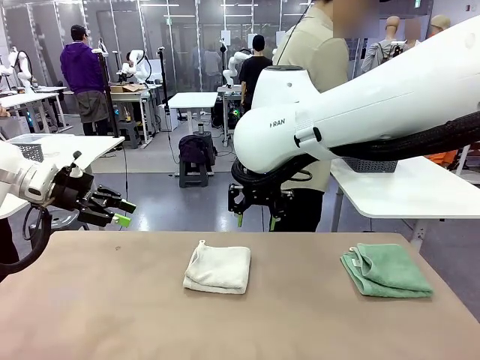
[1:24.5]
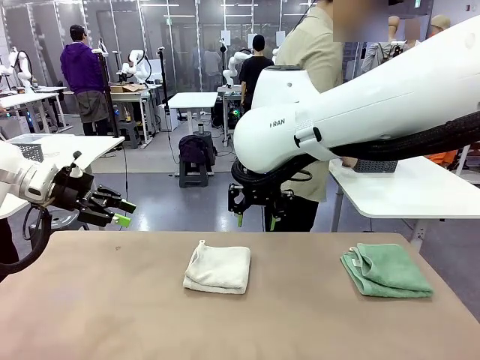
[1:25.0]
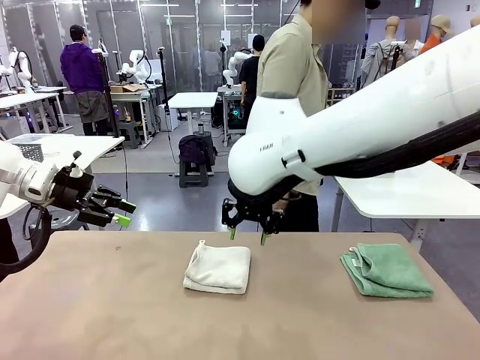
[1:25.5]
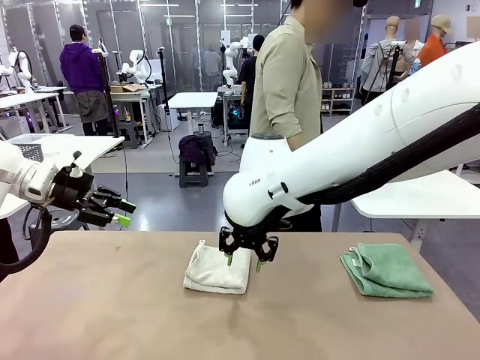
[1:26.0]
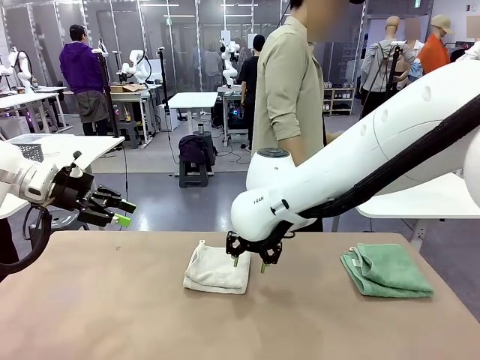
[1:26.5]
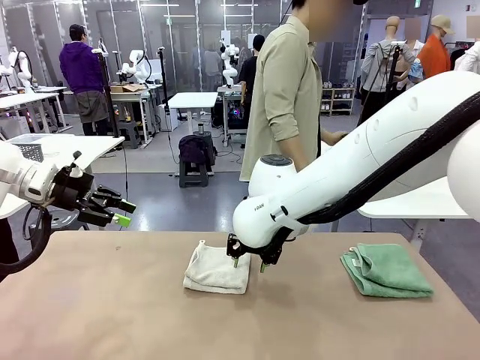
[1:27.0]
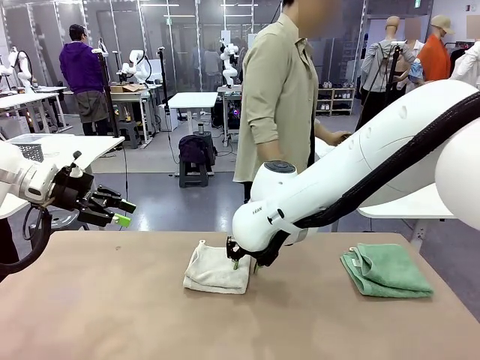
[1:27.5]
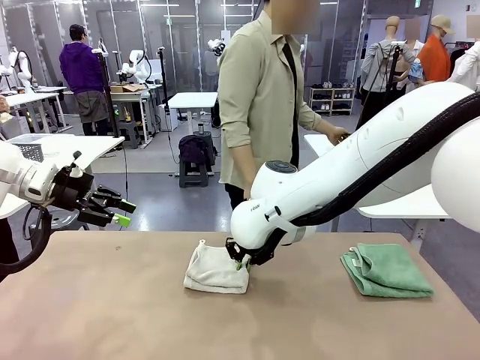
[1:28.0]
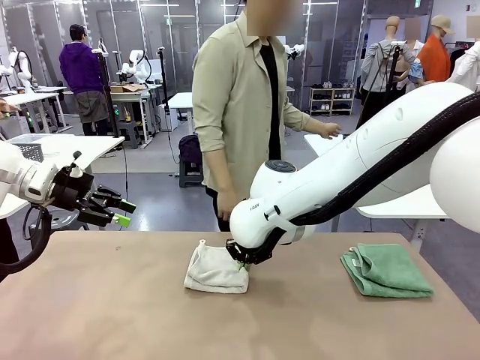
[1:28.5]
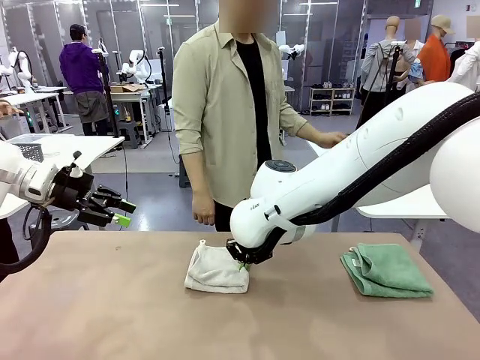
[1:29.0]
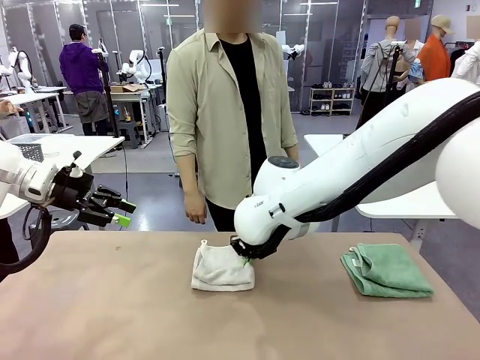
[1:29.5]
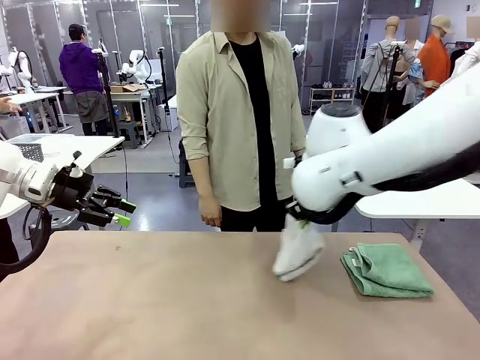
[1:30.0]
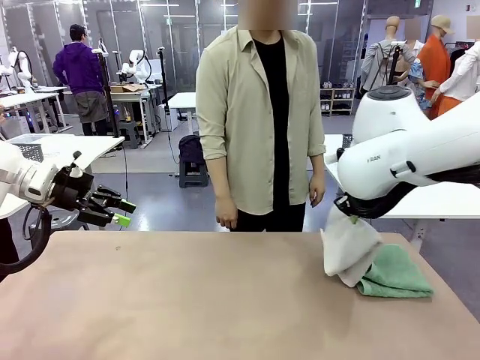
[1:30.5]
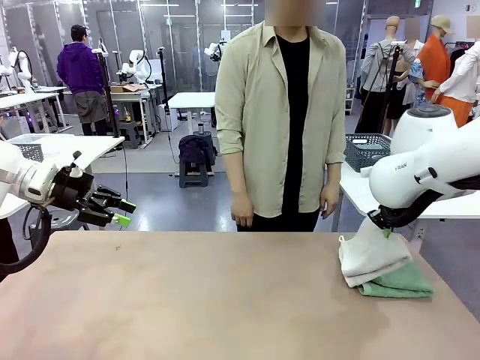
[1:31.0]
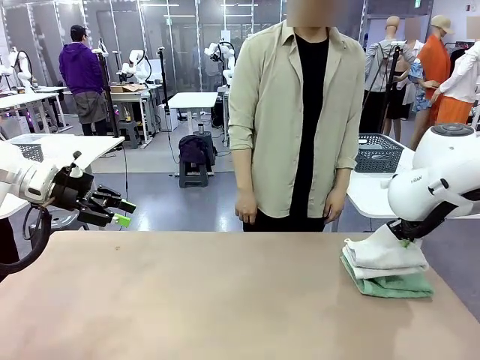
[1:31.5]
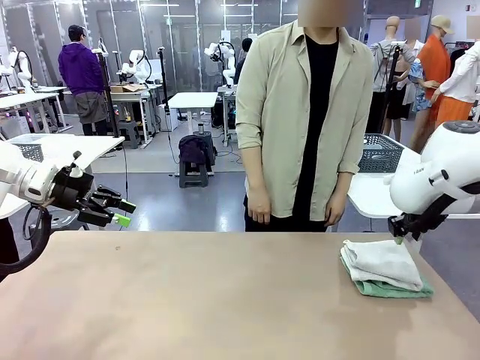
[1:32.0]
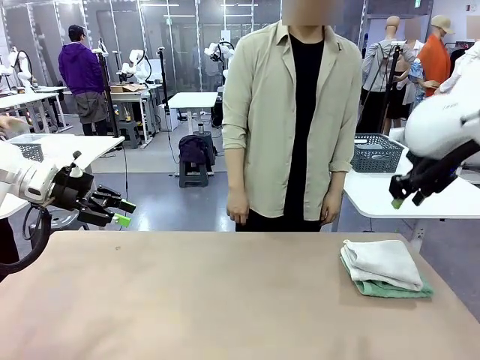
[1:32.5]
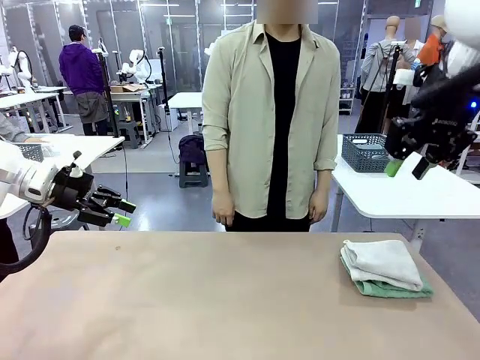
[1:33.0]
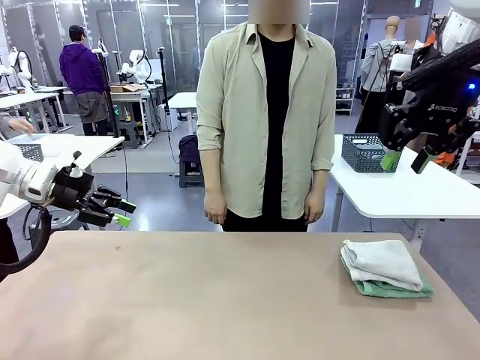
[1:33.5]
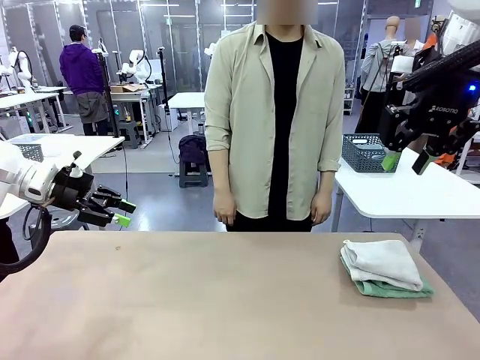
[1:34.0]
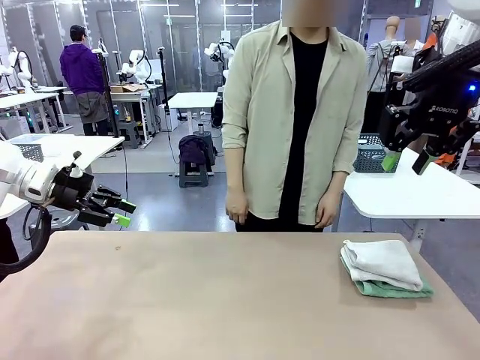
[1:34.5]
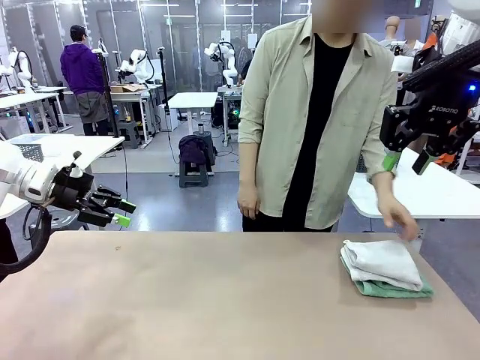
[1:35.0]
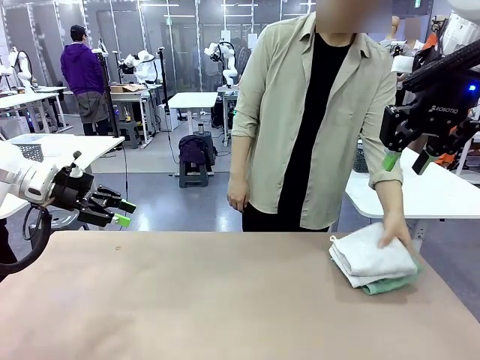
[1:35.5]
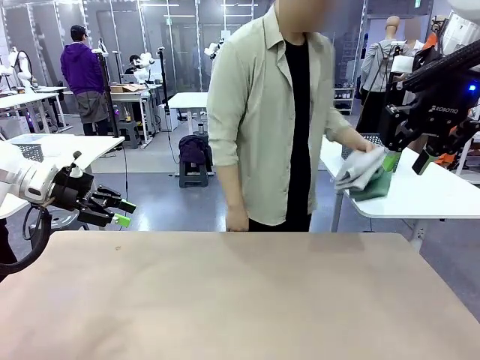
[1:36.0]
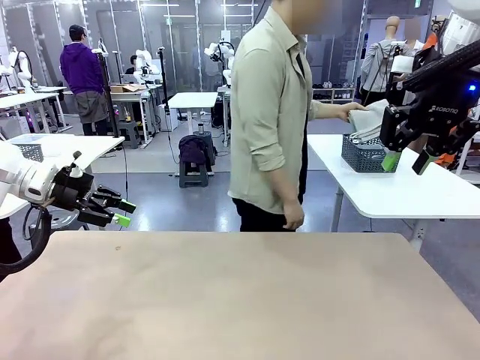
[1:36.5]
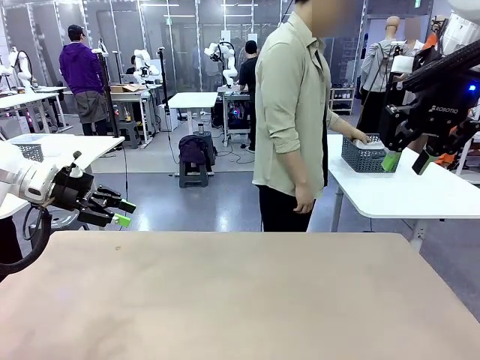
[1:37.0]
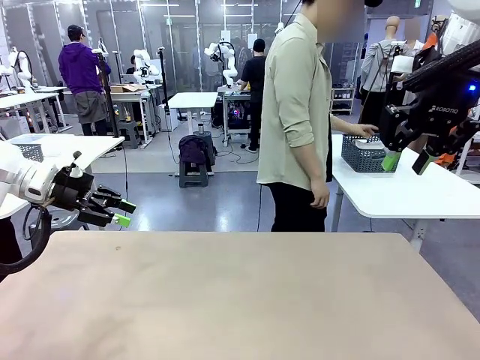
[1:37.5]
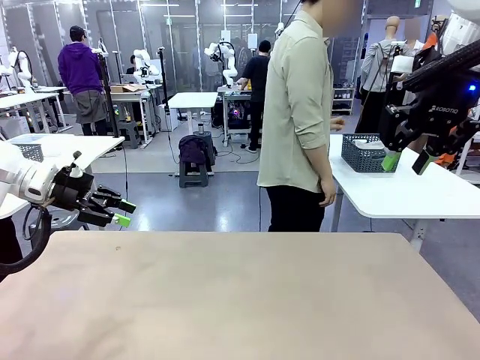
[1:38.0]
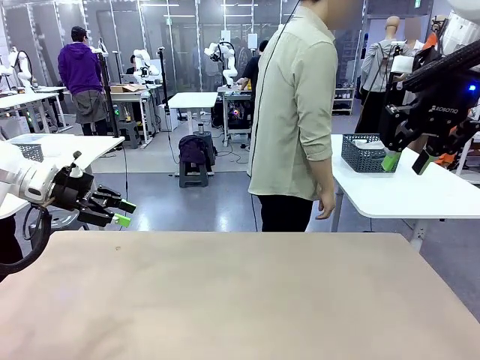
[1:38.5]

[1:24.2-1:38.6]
Task: Fold the towels and place them in the basket.
Robot: Stack the folded Towel with hook on the right side of the table.
Person: Pick up the stack of towels from the robot table and place it into the basket.

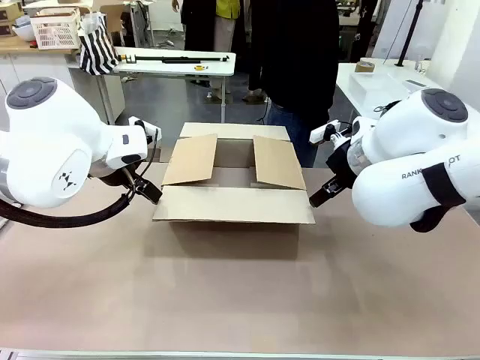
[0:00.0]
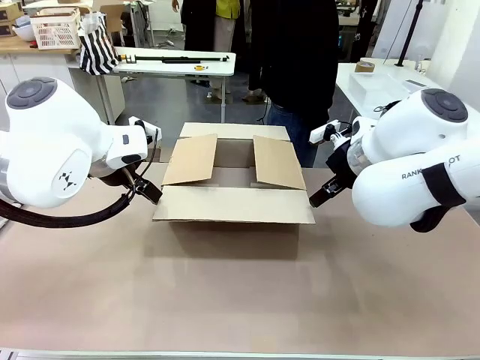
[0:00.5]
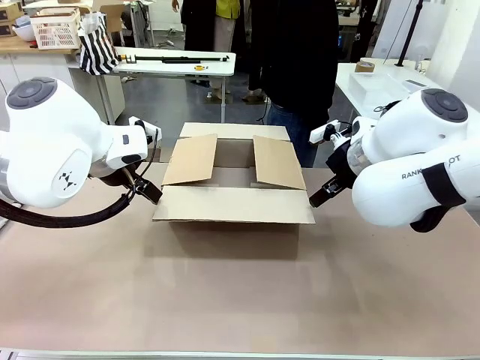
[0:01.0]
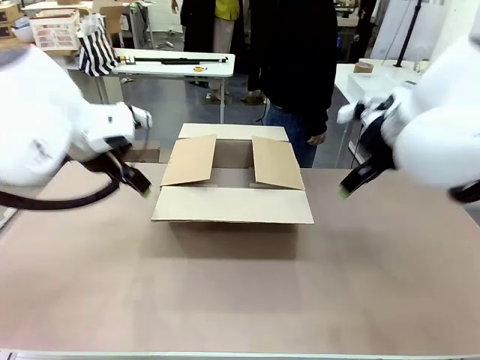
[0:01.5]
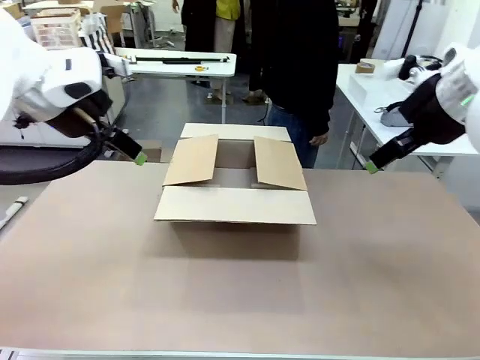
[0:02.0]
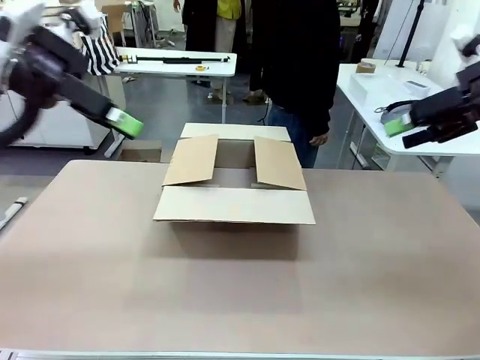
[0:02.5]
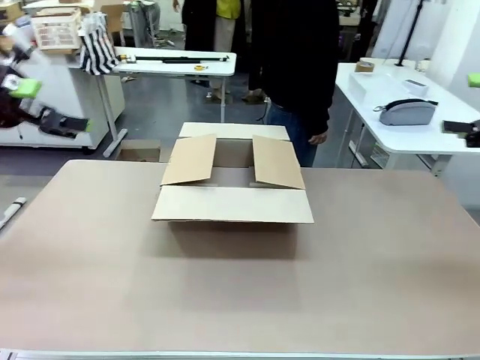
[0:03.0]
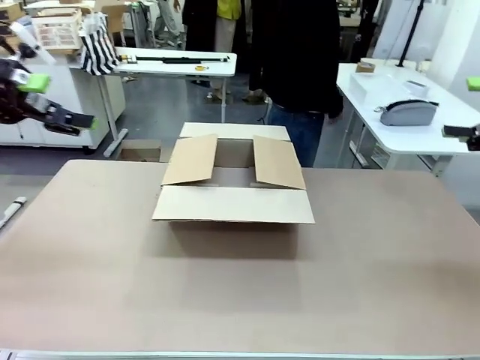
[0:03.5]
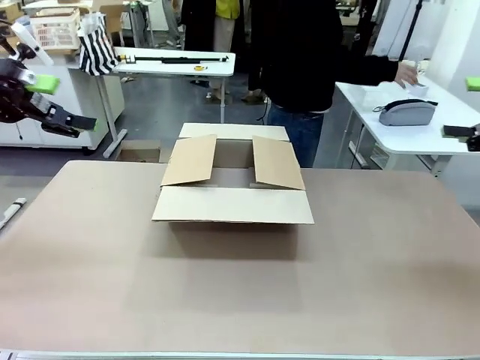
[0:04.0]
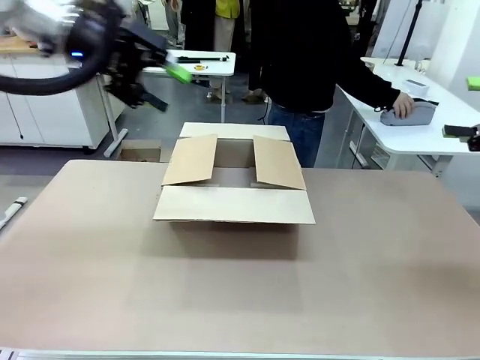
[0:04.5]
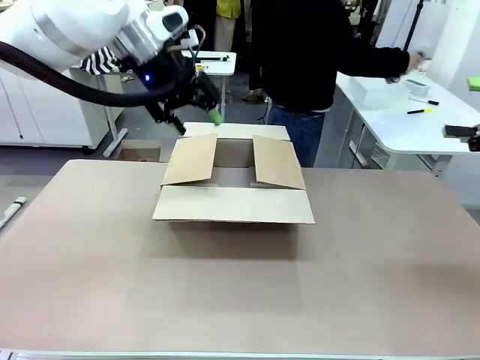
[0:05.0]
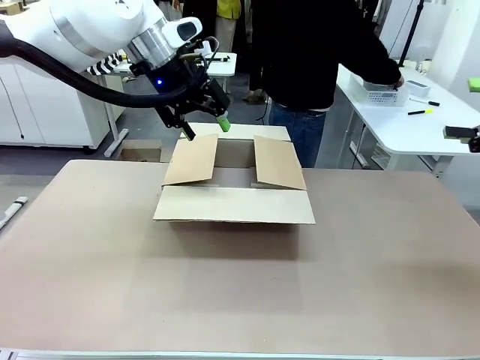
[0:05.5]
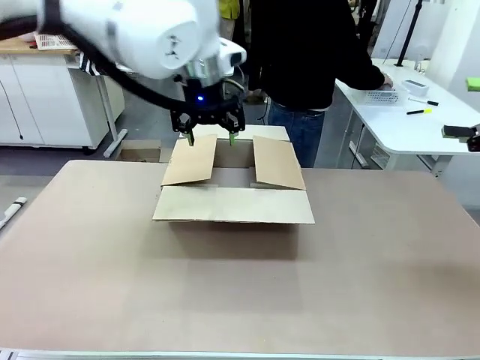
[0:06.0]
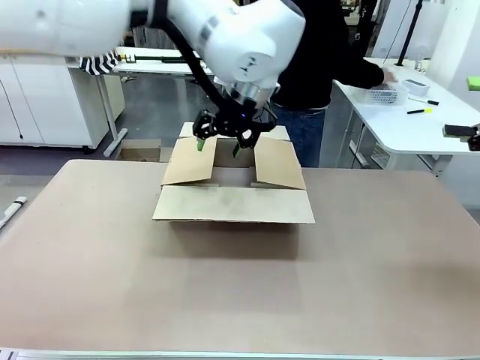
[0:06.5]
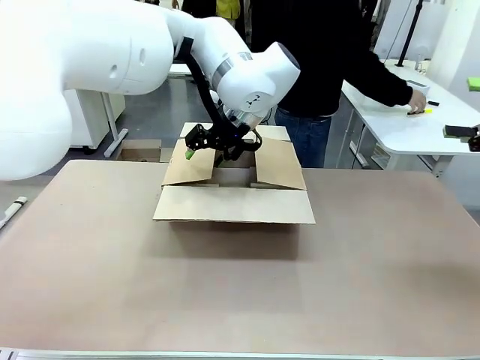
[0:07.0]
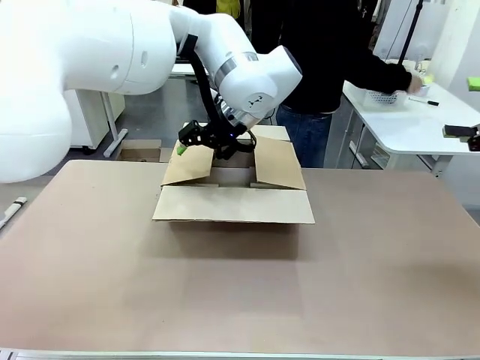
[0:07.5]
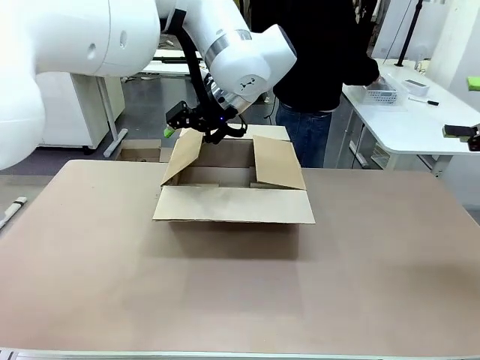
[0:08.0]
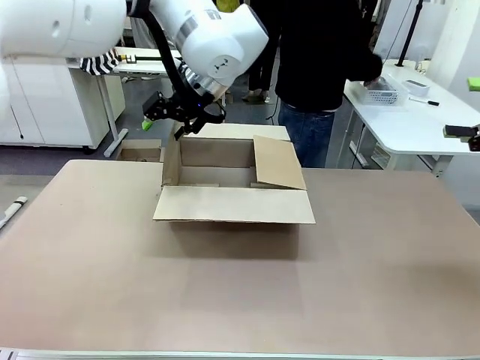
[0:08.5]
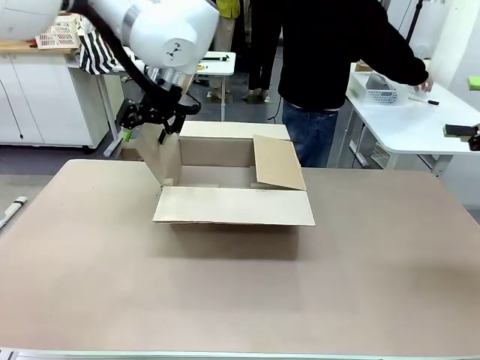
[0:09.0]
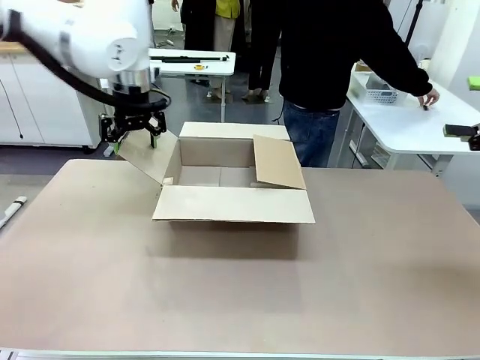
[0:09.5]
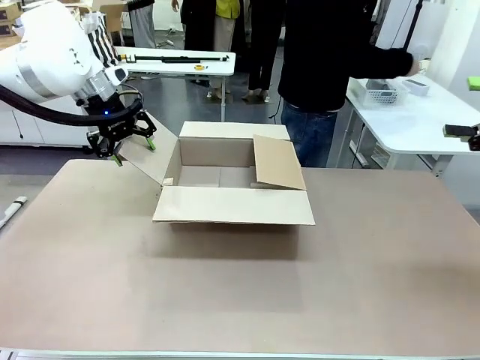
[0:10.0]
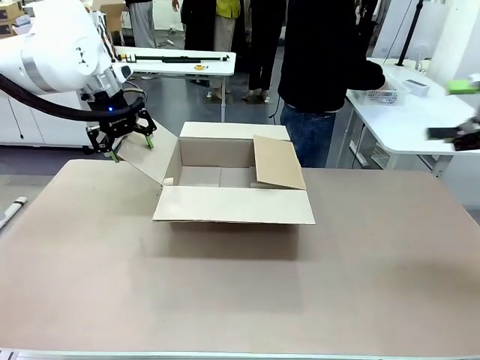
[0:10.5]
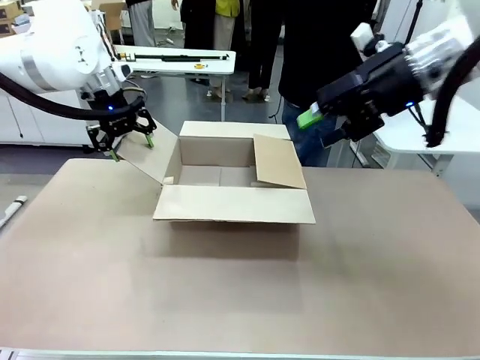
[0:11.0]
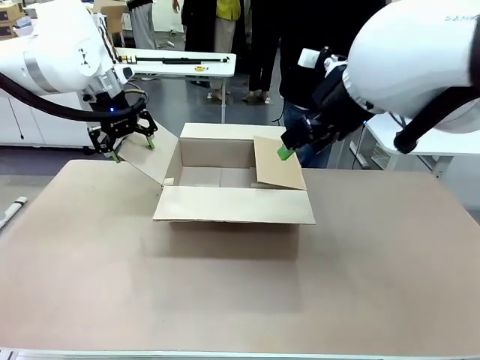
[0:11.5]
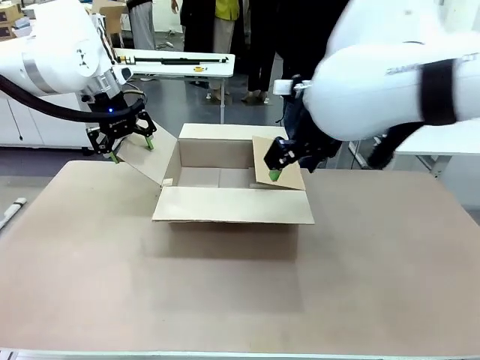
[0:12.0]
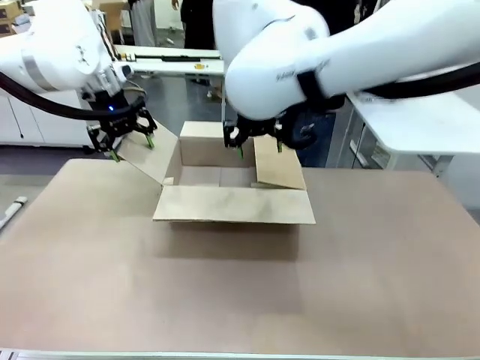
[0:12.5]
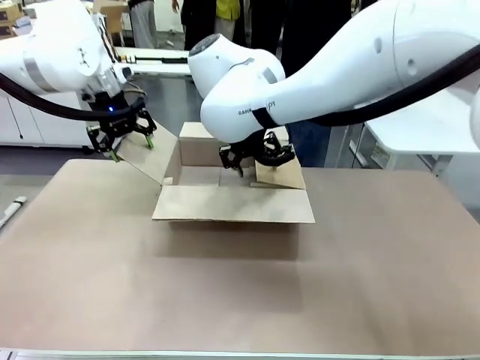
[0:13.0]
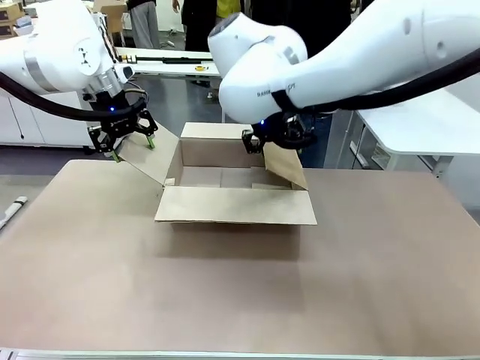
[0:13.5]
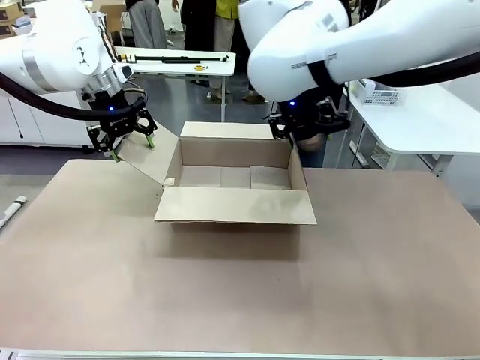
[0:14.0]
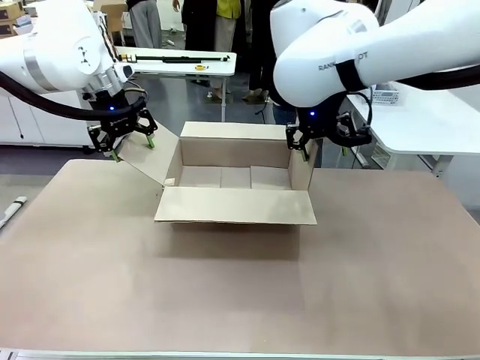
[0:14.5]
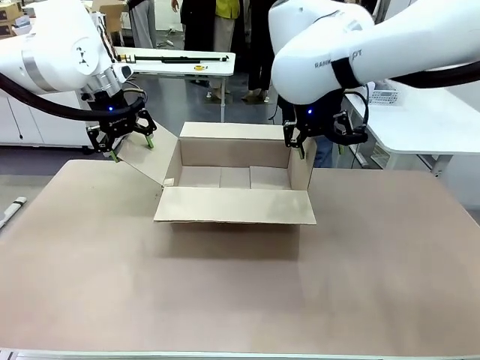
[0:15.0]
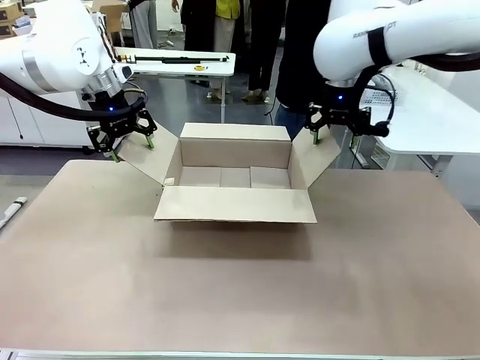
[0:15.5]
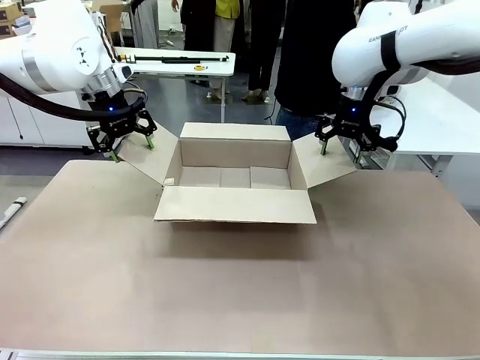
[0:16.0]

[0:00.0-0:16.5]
Task: Pack the gift set into the box.
Robot: Place both hands on the side flaps of the Package Box and spread them outward.
Person: The human places all items except the paper tape into the organizing basket.
